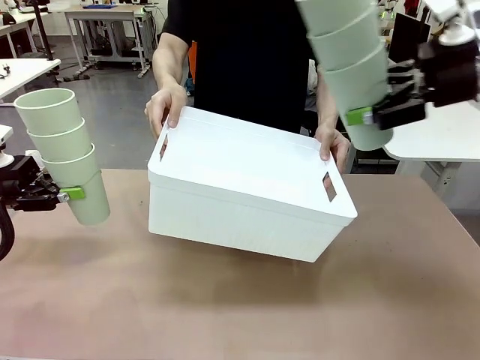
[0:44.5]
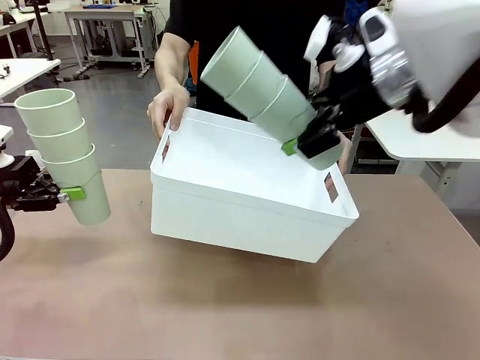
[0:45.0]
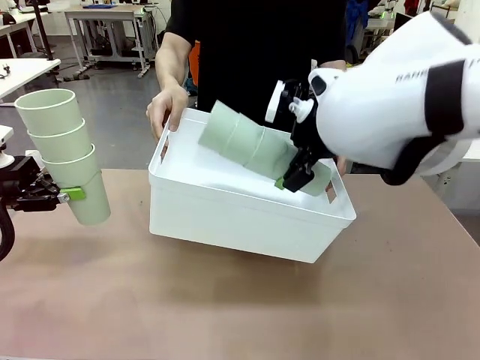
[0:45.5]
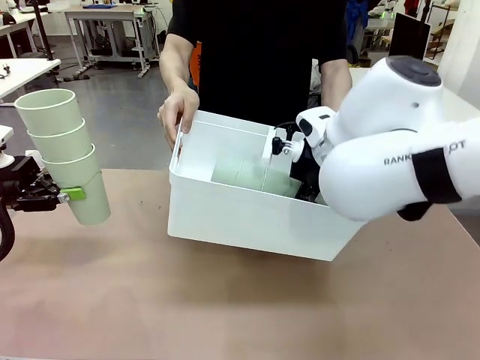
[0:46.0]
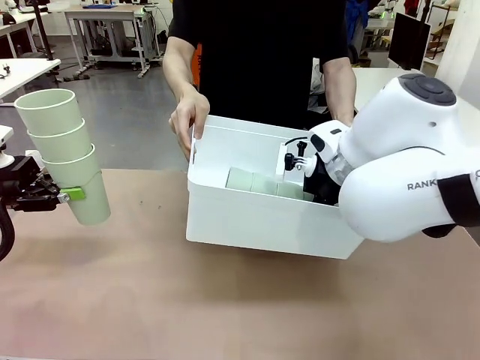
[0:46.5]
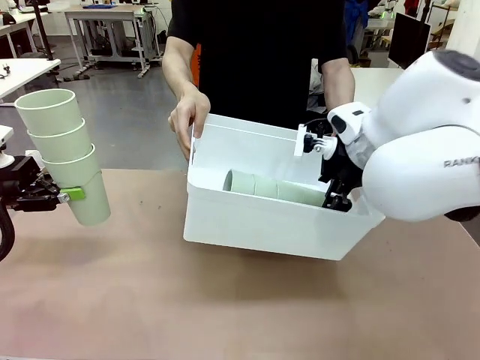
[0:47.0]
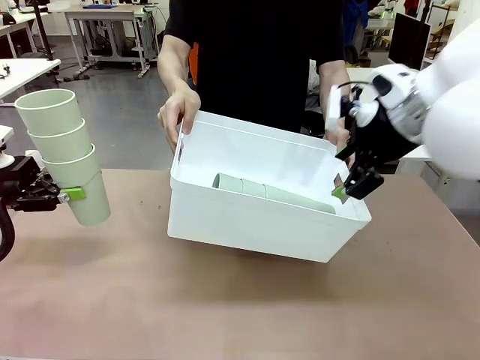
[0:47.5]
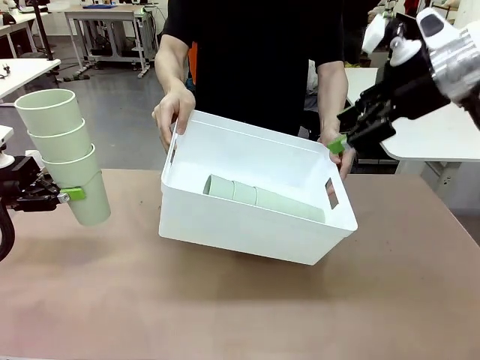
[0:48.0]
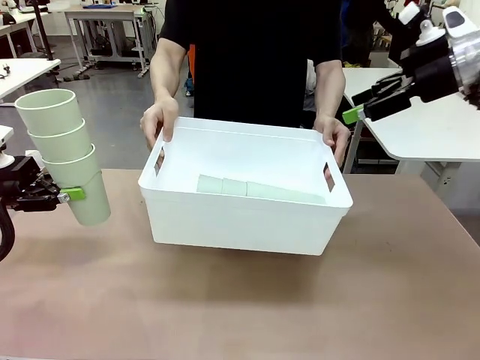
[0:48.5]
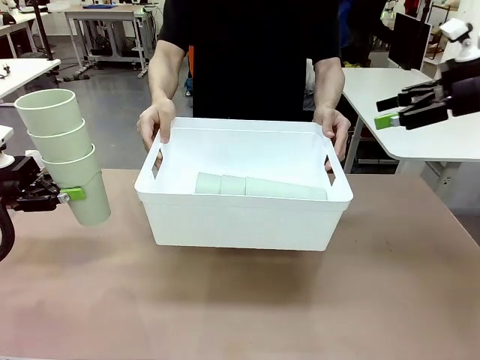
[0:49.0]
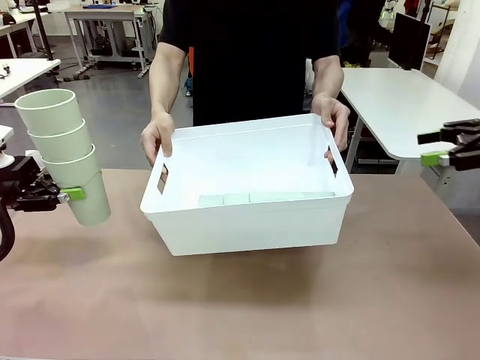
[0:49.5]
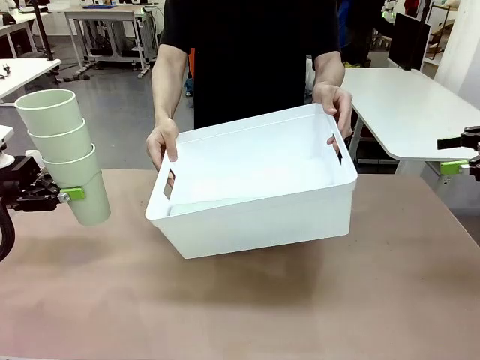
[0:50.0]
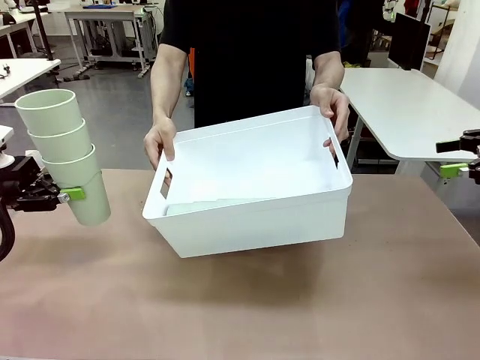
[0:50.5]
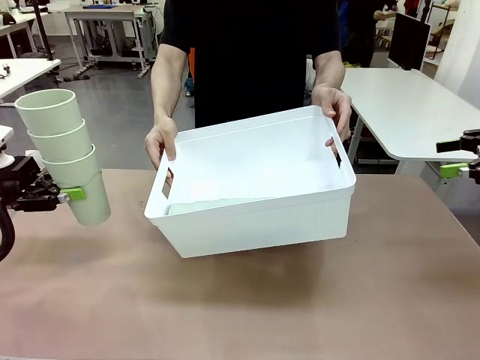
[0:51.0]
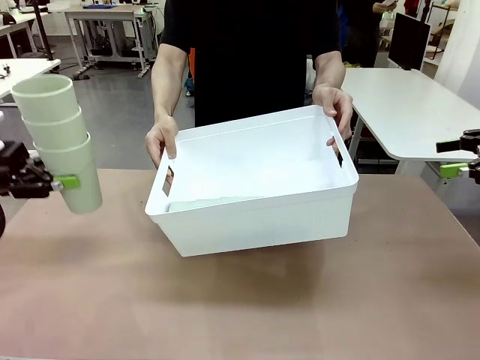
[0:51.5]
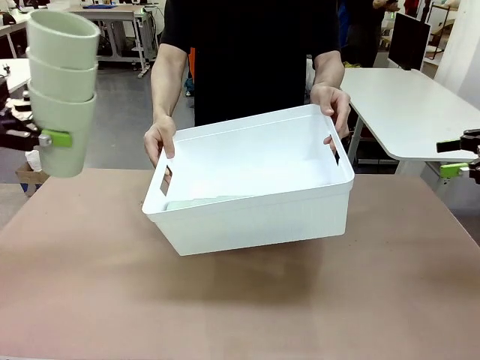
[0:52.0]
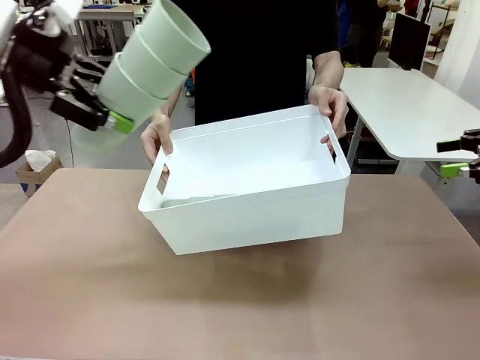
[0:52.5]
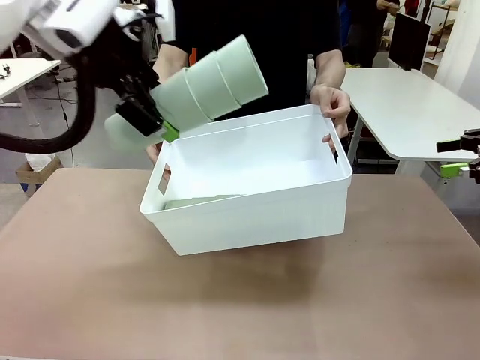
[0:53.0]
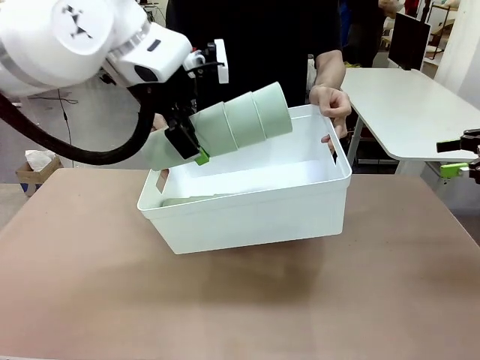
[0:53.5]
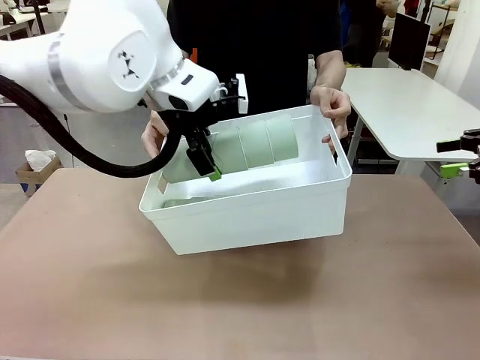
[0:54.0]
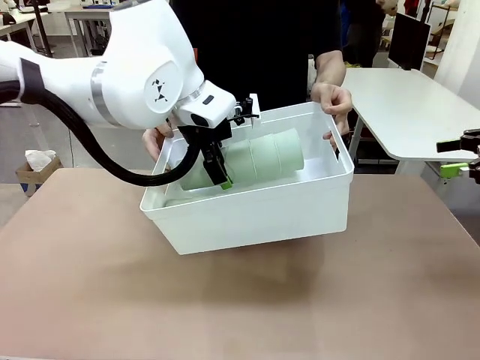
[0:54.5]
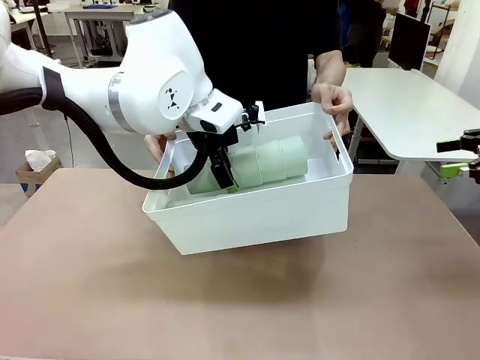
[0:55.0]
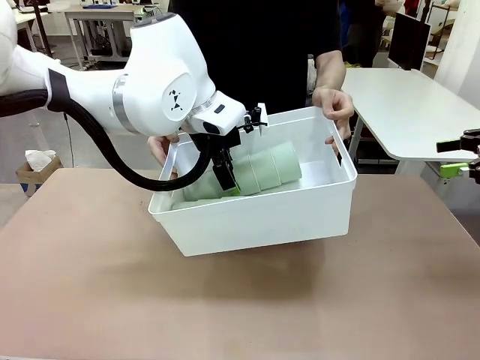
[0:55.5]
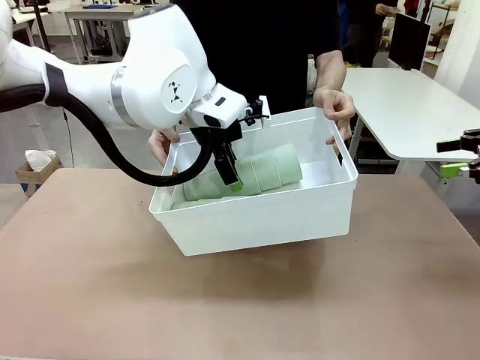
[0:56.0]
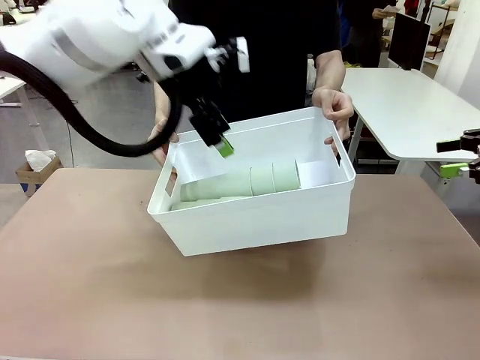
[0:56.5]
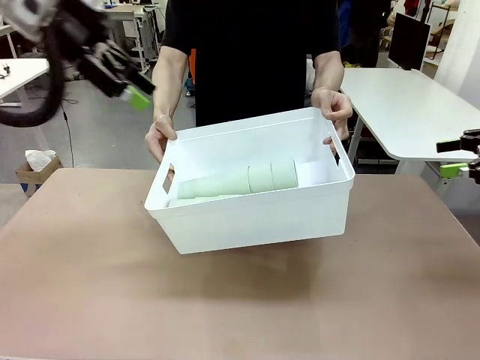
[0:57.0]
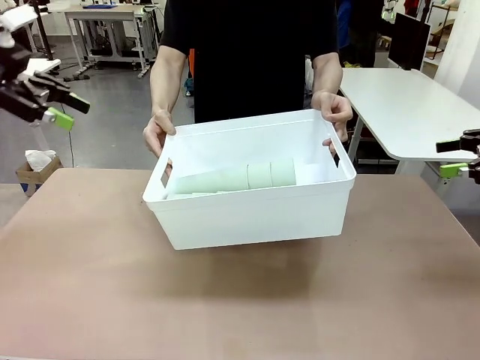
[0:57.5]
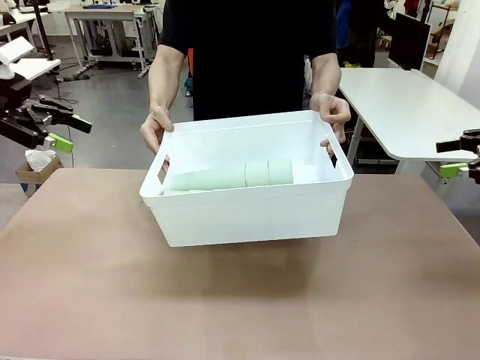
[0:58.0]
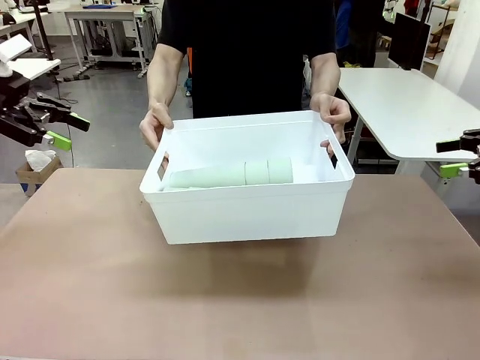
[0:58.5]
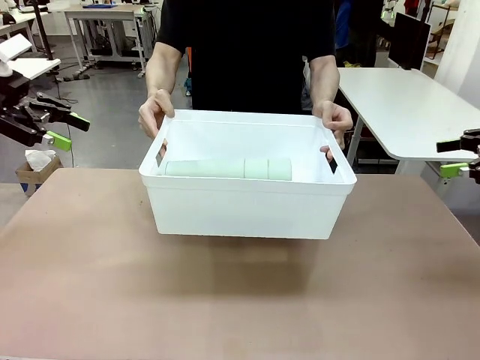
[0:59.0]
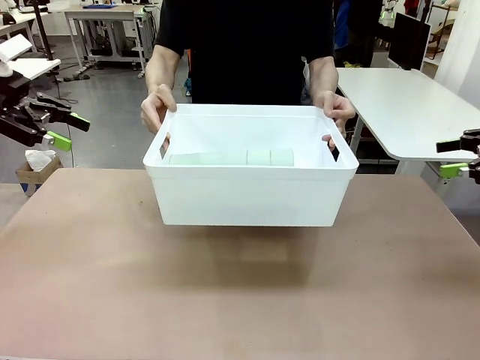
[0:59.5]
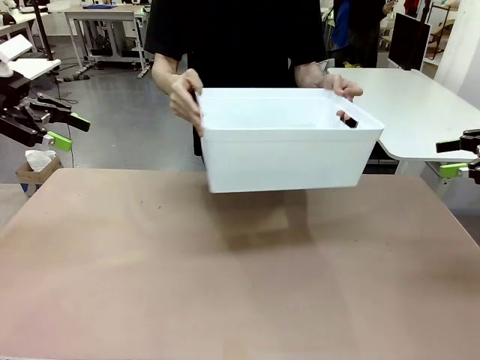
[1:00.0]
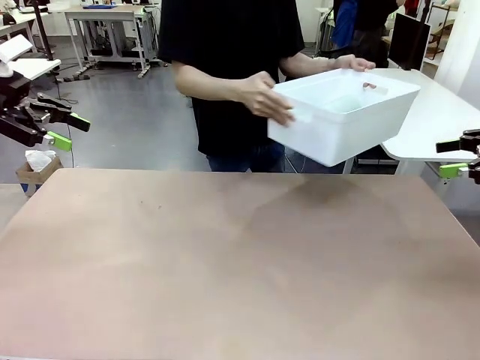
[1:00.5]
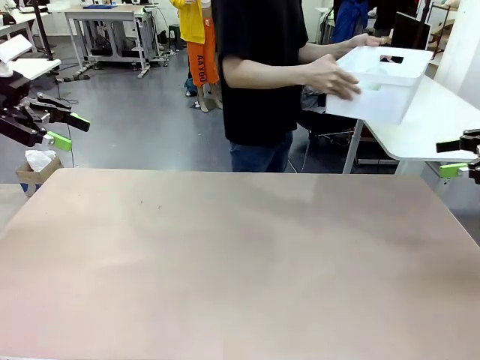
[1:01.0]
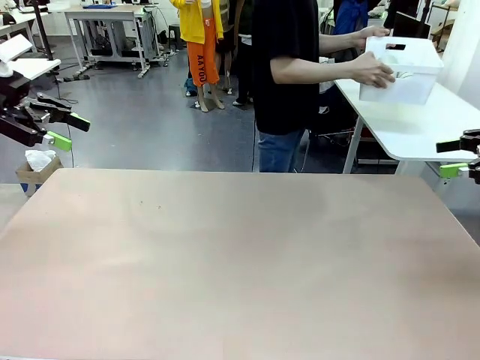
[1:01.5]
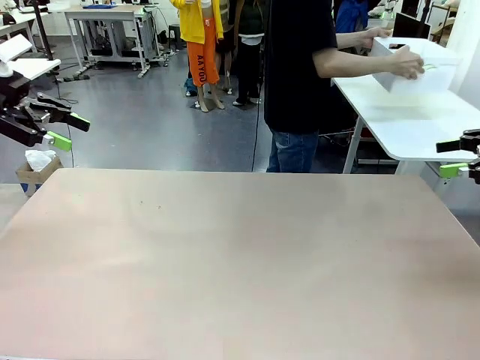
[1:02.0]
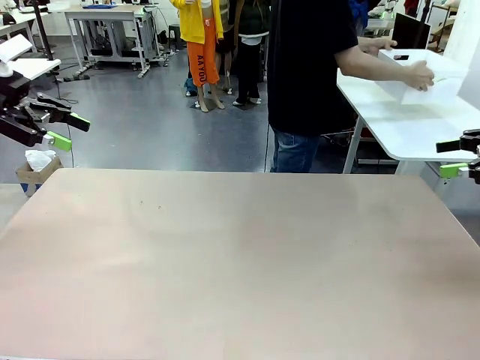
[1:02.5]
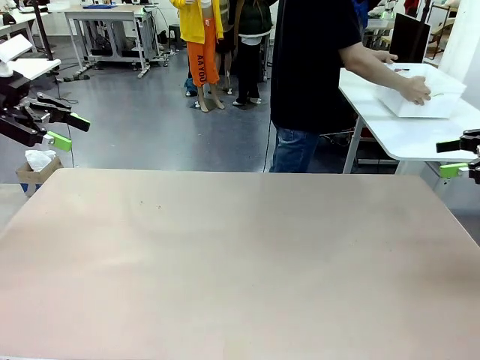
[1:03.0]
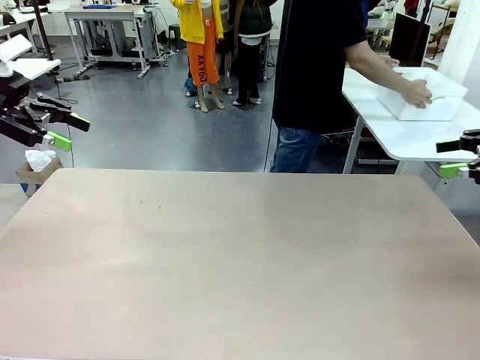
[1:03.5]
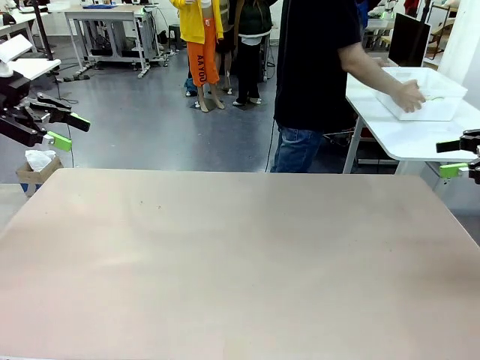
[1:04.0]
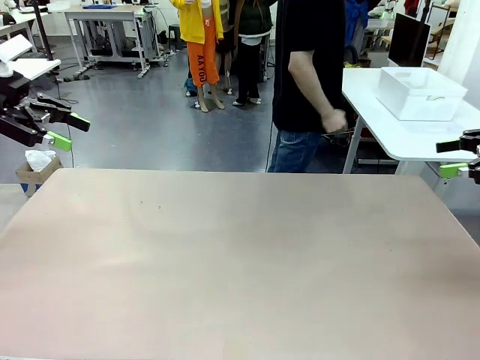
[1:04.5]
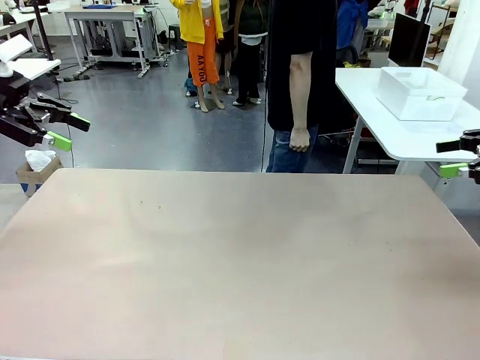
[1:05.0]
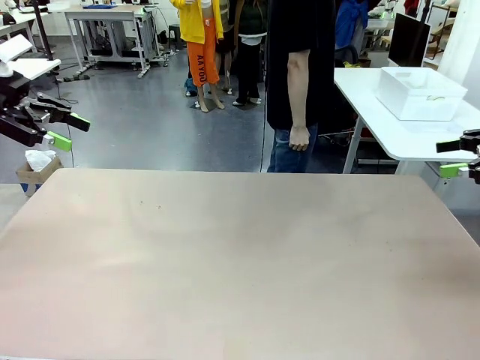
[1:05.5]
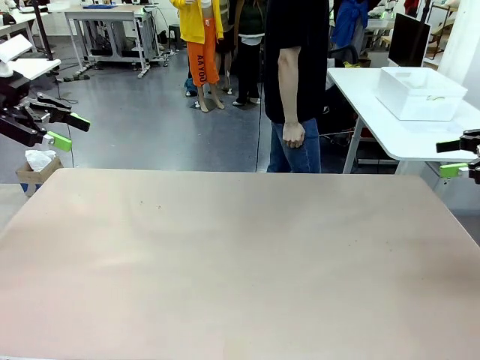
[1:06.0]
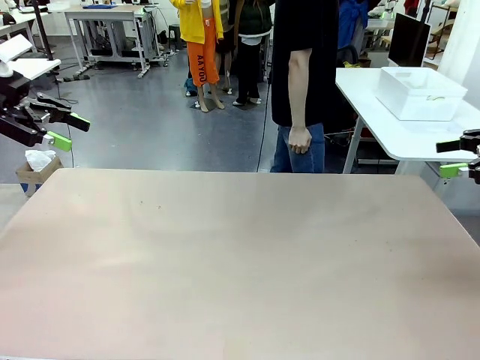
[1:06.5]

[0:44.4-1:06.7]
Task: Stack the cups and store them in the basket.
Robot: Place the stack of Reusable plastic cups into the Pantry Basket.
Person: Place the basket containing the cups in the middle of the Human Table.

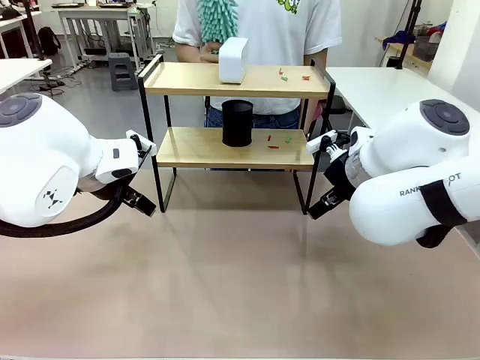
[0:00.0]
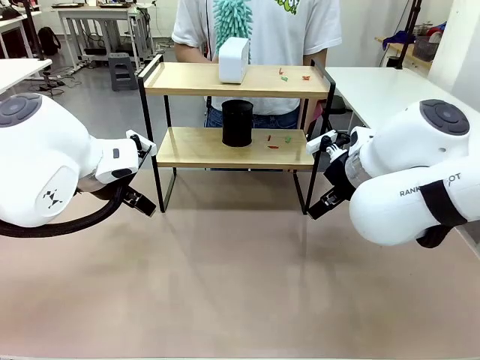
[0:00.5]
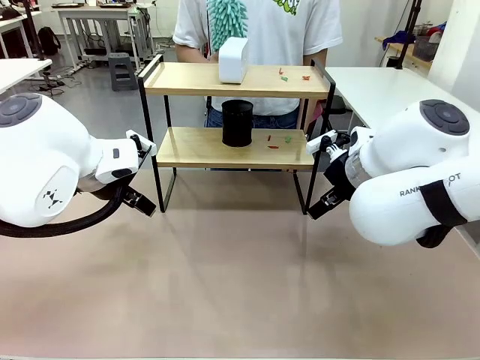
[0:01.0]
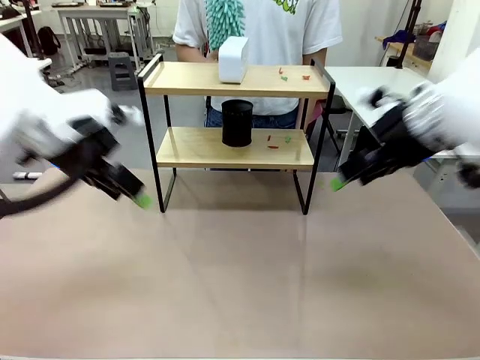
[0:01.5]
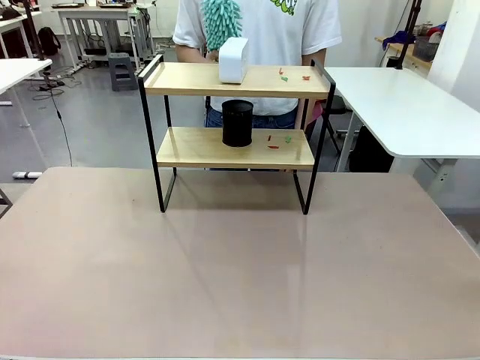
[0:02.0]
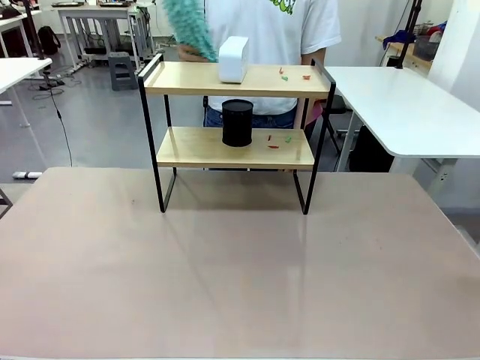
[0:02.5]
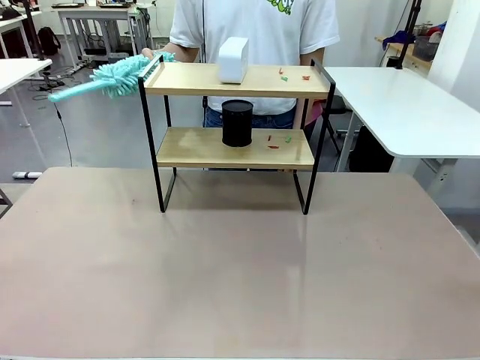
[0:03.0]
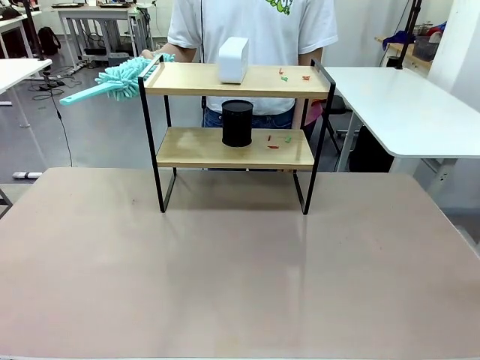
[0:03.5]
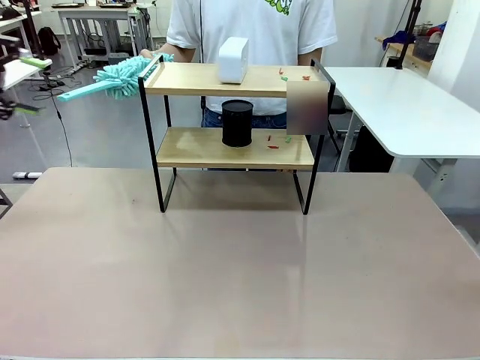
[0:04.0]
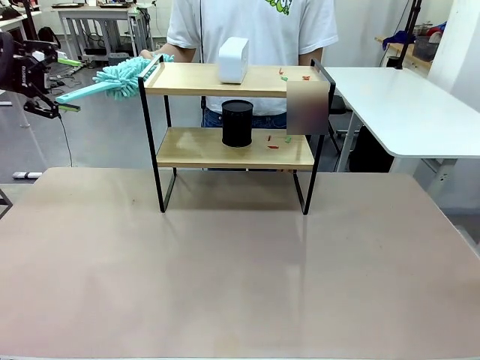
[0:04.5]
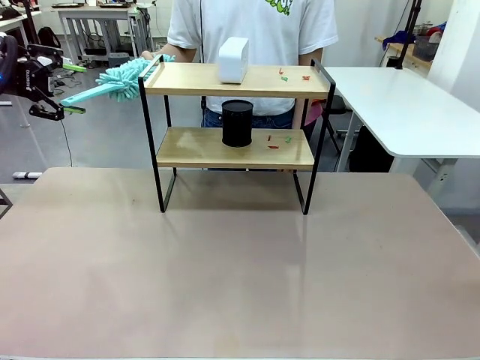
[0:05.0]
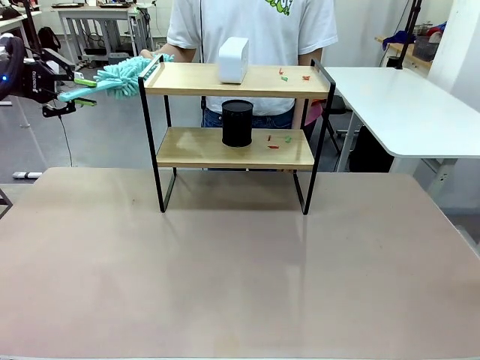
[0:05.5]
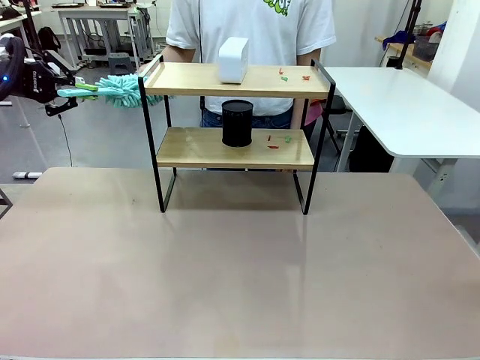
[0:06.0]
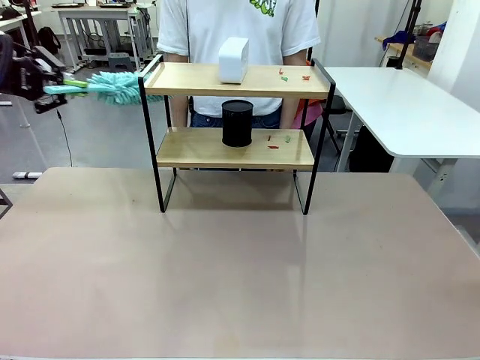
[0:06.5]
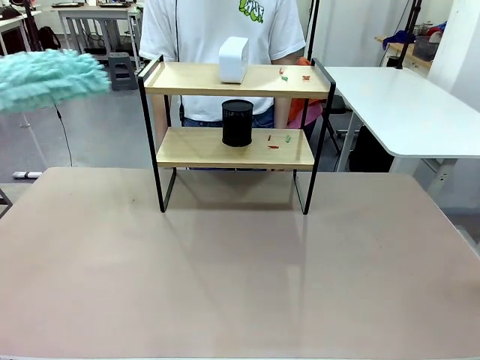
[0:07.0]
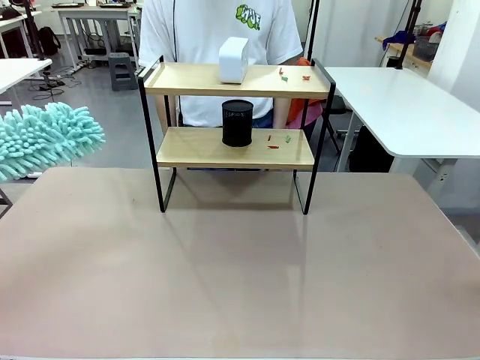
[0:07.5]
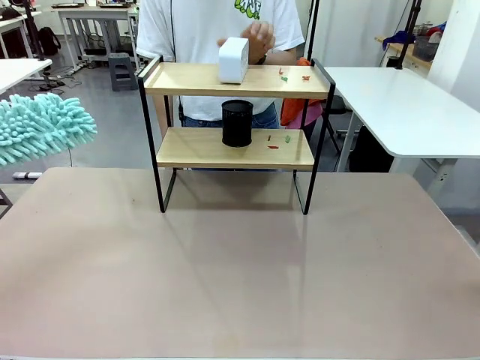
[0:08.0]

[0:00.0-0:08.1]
Task: Clean the shelf.
Robot: Pick up the Duster from the human.
Person: Hand the Duster to the robot.
